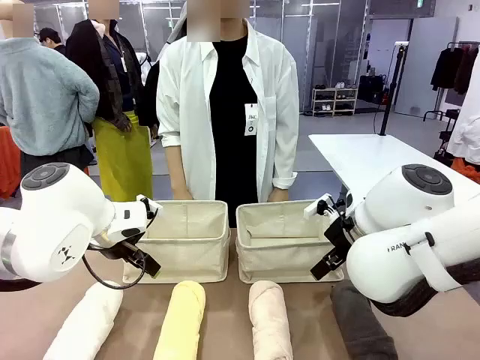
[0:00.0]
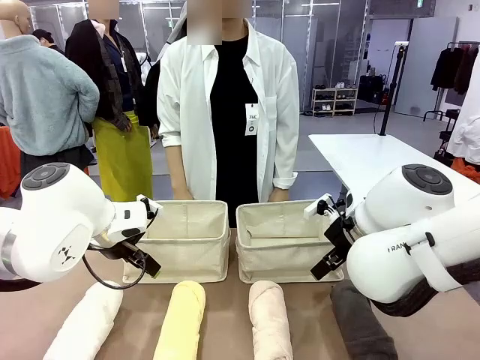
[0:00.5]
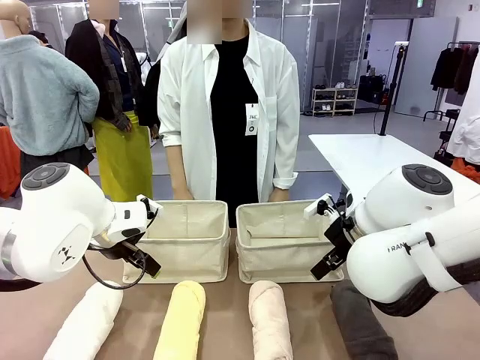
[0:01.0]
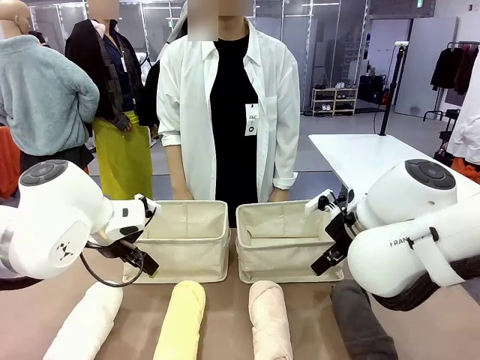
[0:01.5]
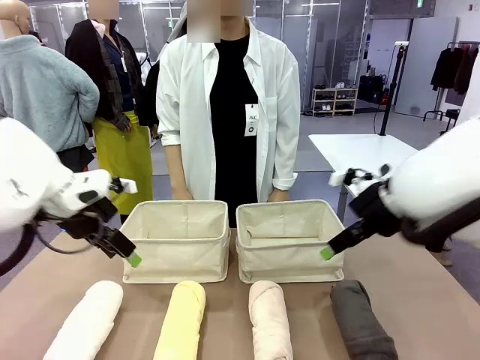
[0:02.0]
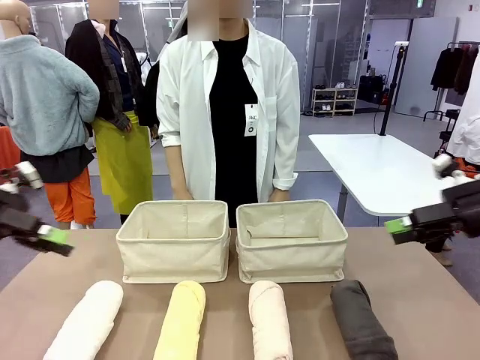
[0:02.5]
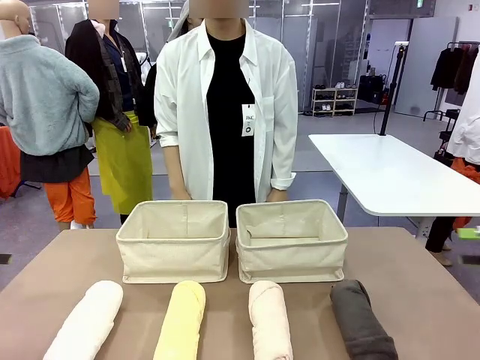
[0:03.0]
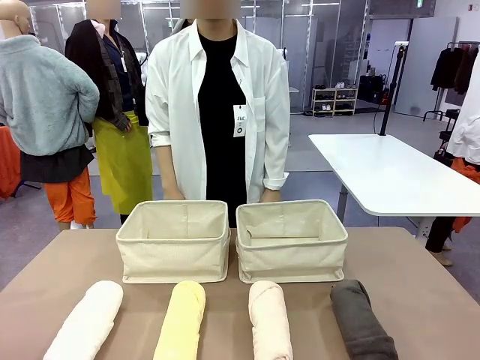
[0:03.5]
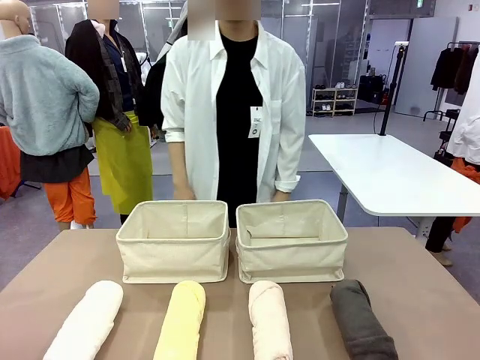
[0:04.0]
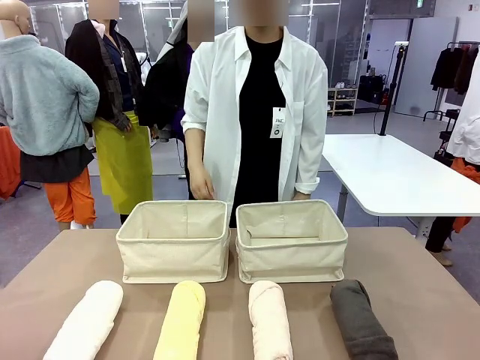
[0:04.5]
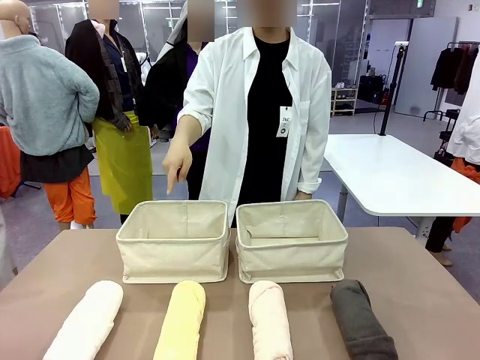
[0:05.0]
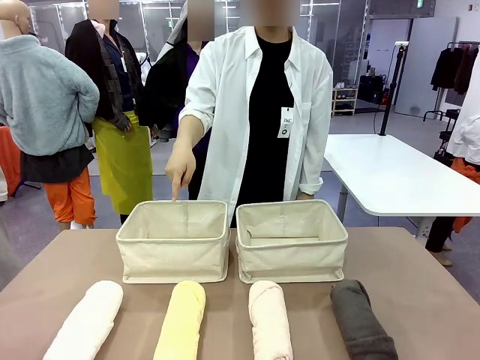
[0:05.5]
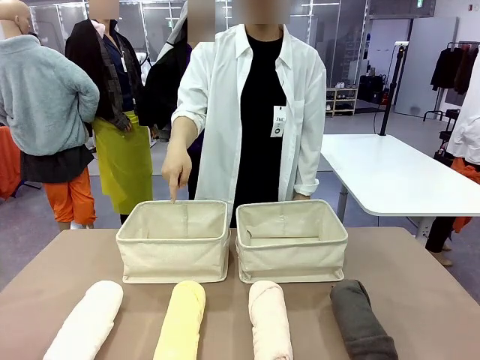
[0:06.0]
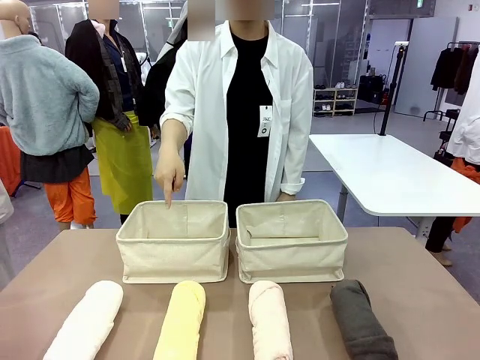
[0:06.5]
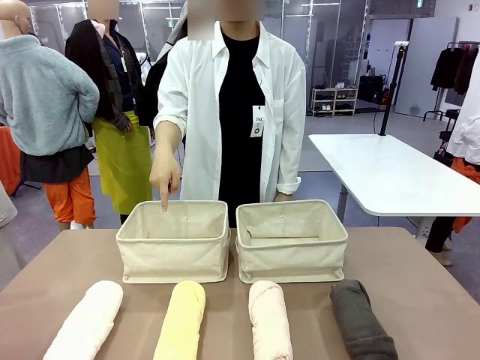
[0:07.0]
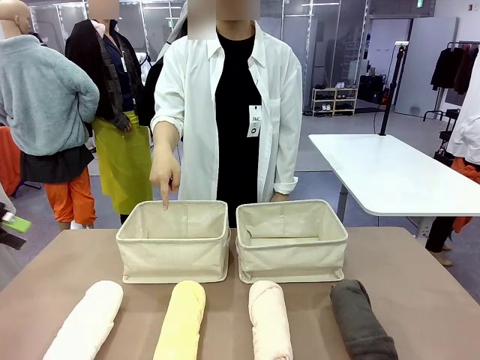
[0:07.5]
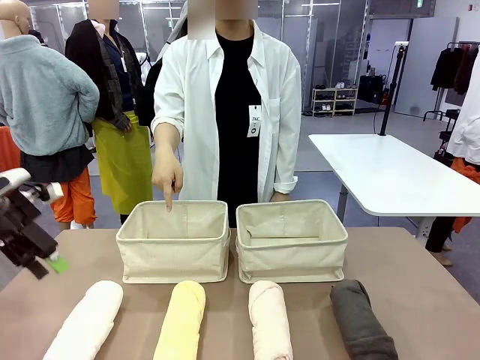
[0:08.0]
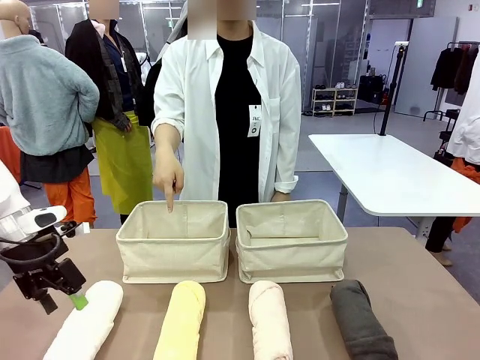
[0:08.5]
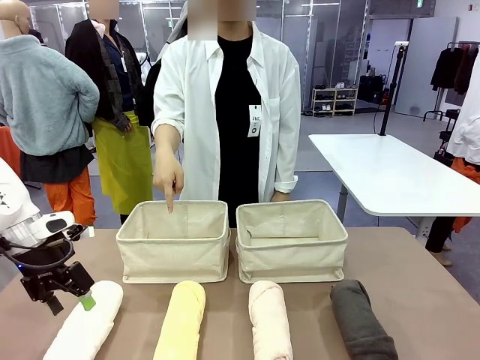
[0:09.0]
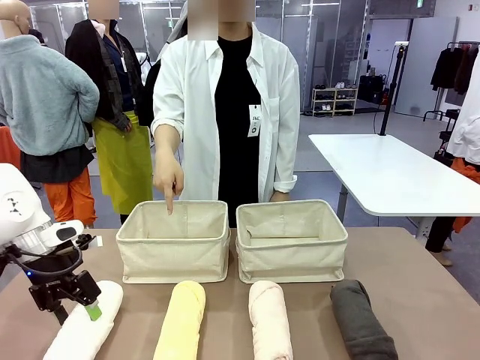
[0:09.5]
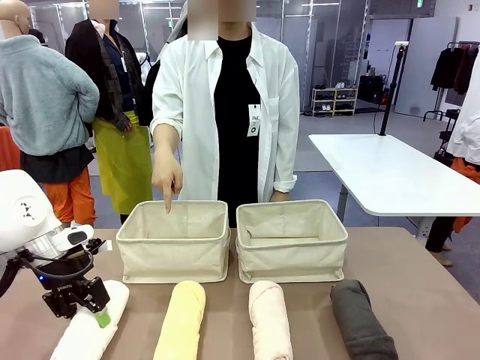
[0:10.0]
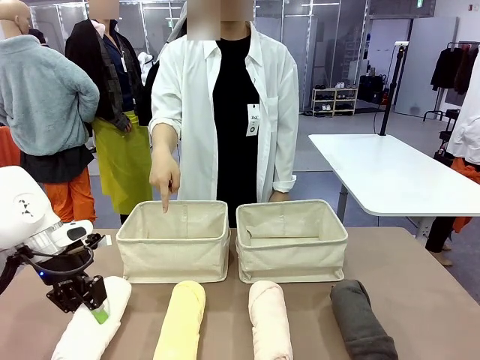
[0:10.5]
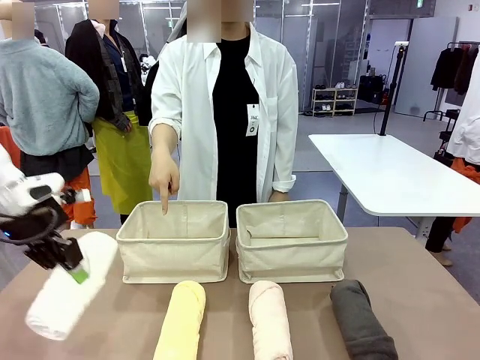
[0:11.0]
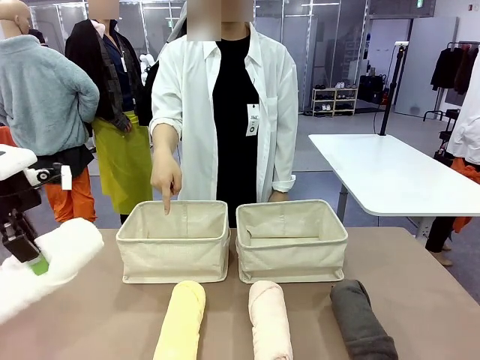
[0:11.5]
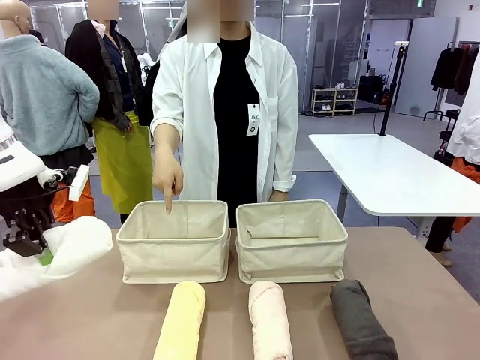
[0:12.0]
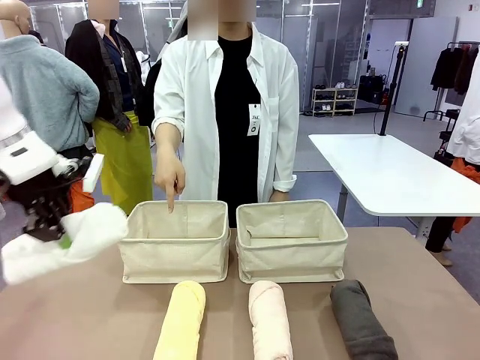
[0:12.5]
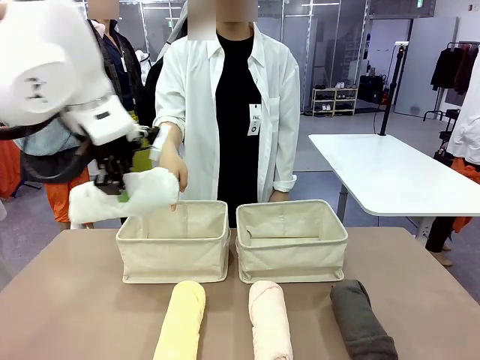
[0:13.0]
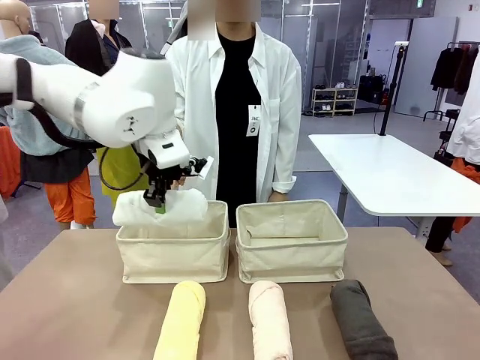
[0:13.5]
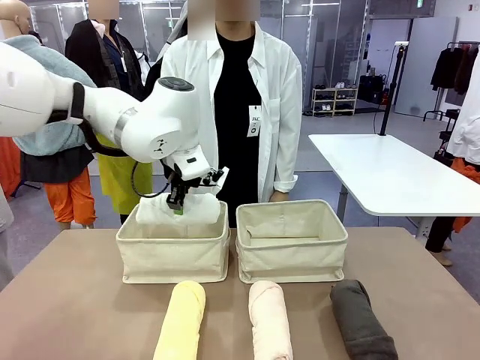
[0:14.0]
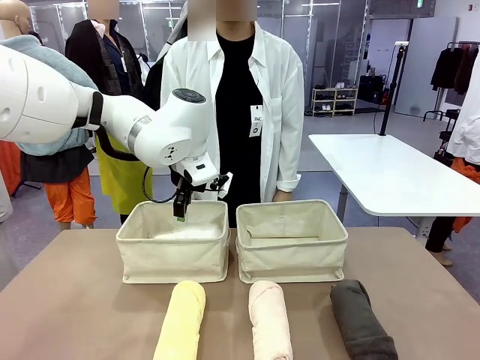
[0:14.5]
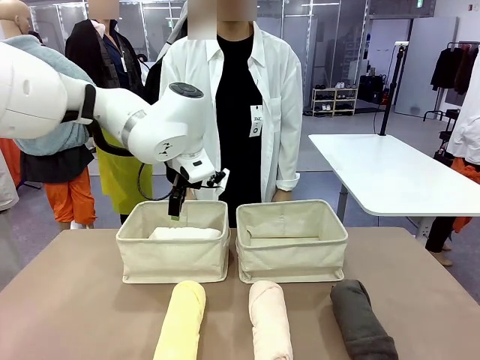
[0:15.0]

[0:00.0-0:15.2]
Task: Divide the towels into two baskets.
Robot: Pick up one hotel-folded towel and place it in the Fabric basket indicated by the person.

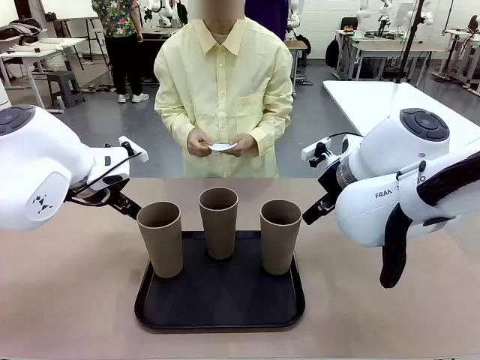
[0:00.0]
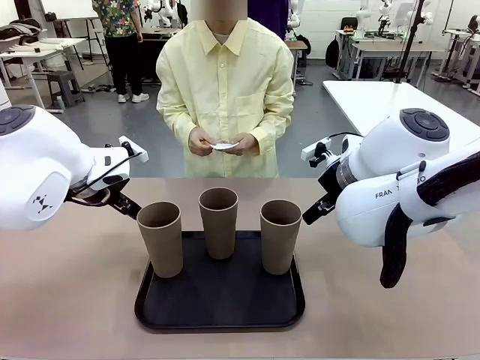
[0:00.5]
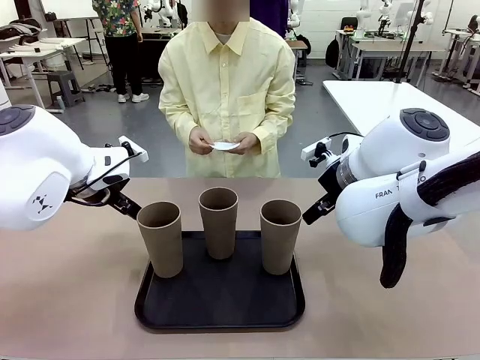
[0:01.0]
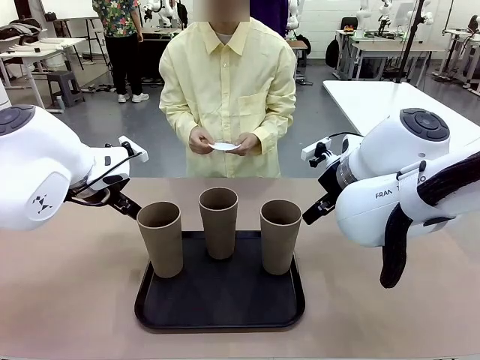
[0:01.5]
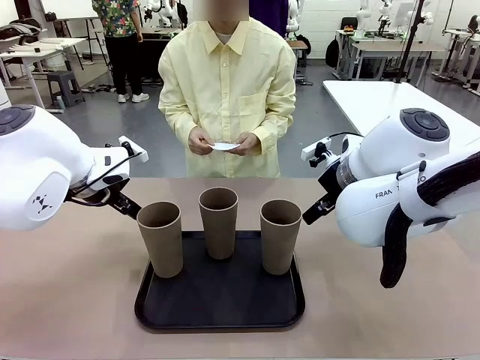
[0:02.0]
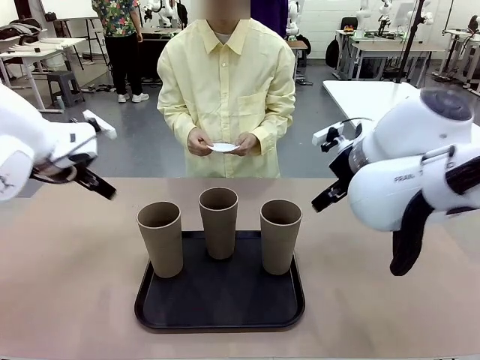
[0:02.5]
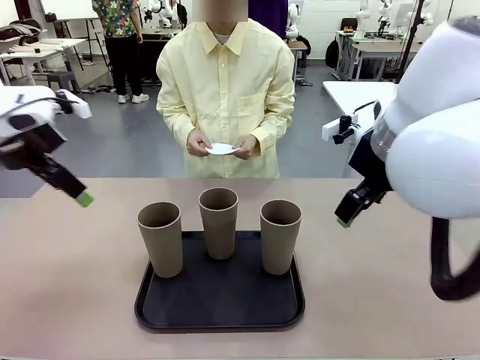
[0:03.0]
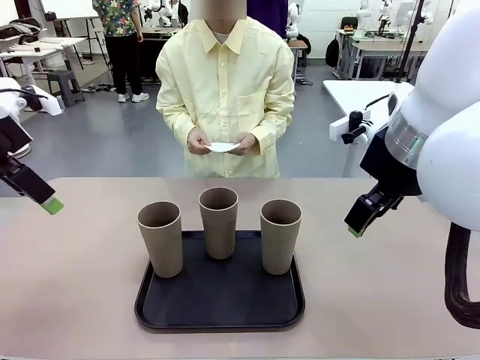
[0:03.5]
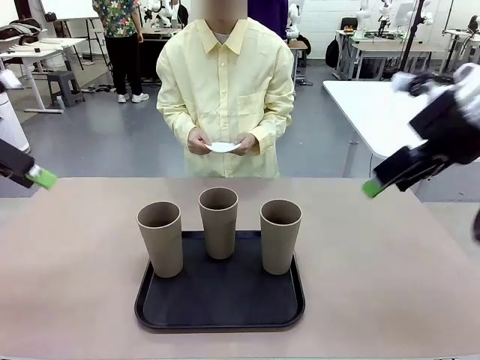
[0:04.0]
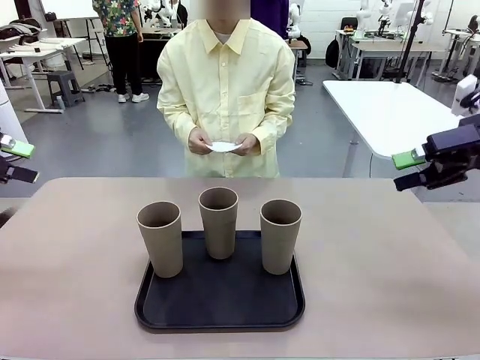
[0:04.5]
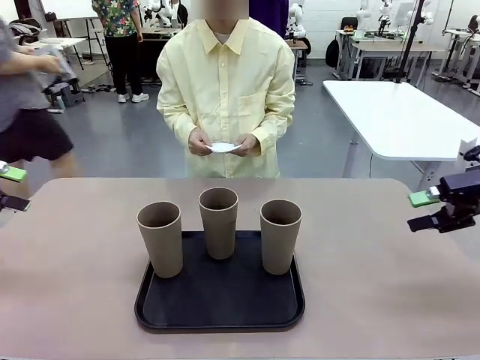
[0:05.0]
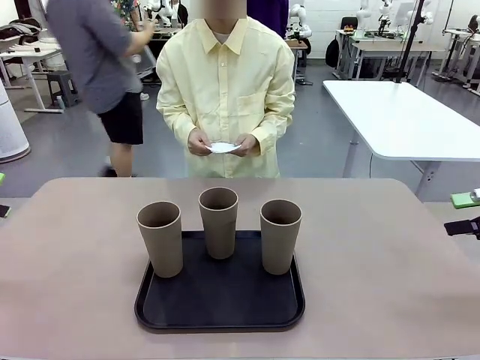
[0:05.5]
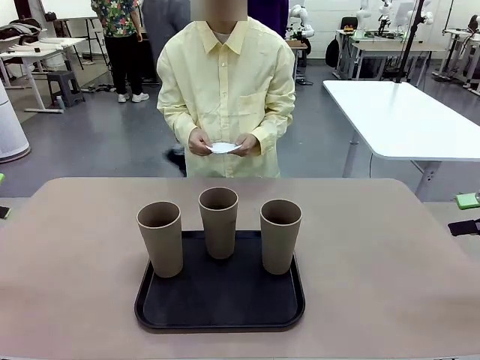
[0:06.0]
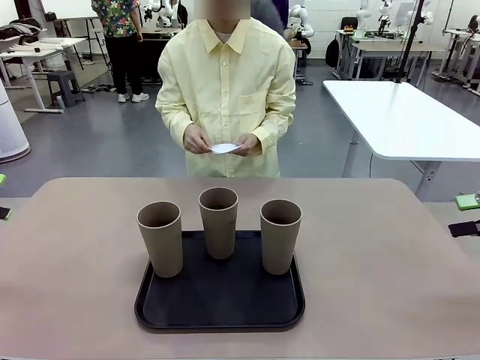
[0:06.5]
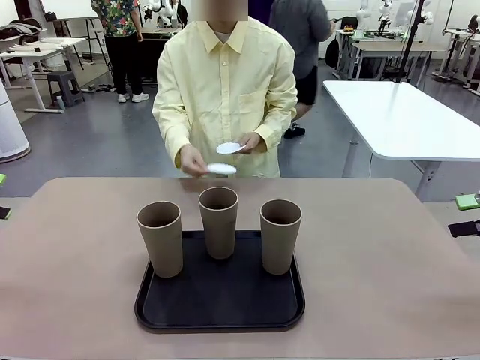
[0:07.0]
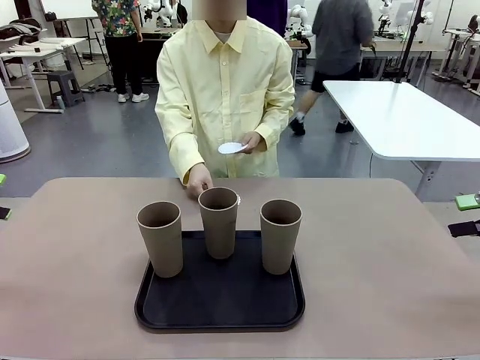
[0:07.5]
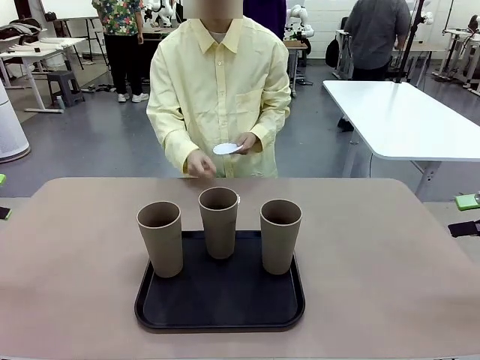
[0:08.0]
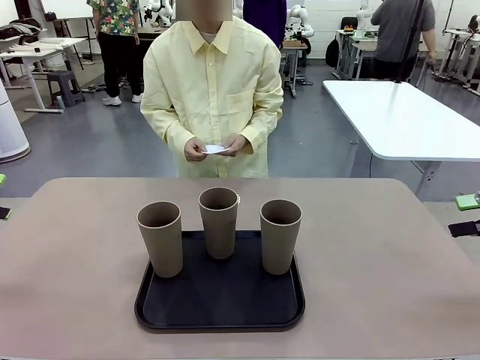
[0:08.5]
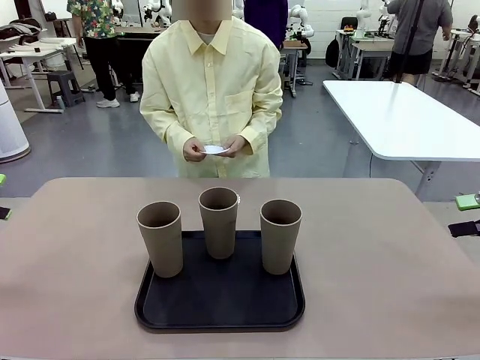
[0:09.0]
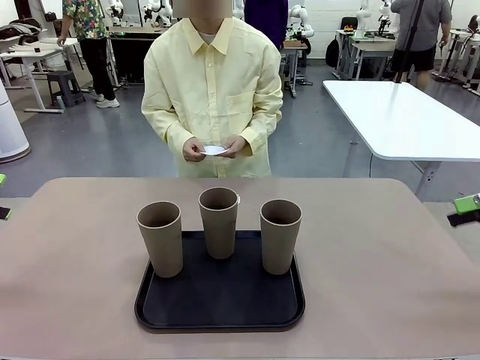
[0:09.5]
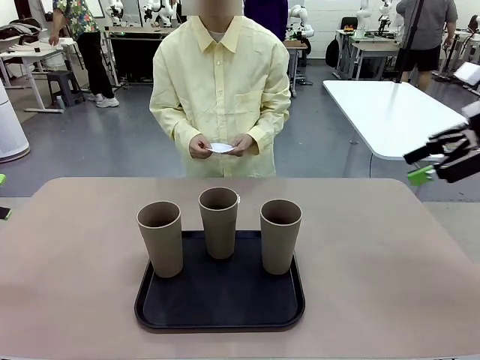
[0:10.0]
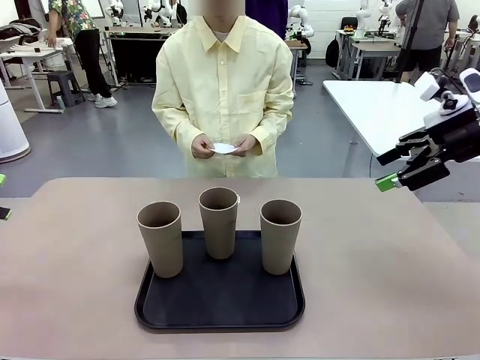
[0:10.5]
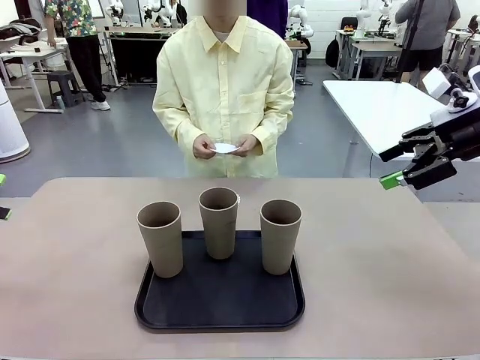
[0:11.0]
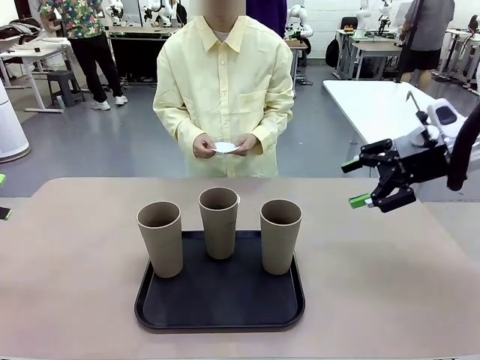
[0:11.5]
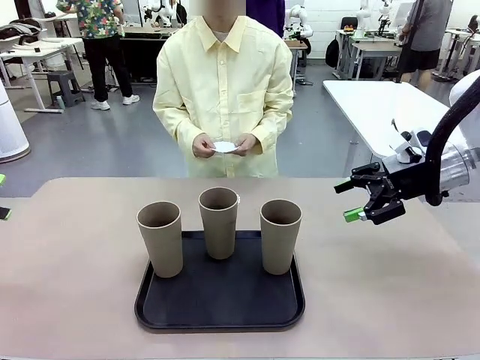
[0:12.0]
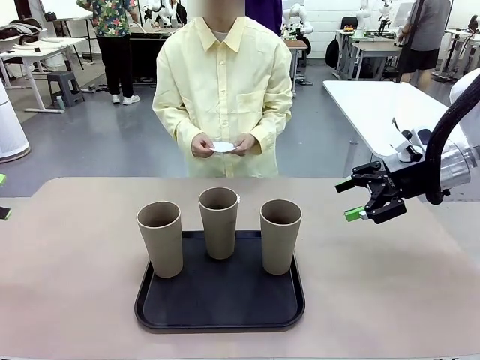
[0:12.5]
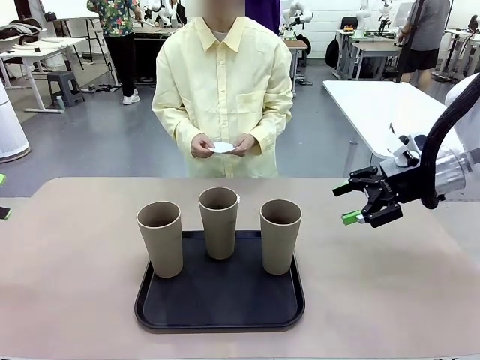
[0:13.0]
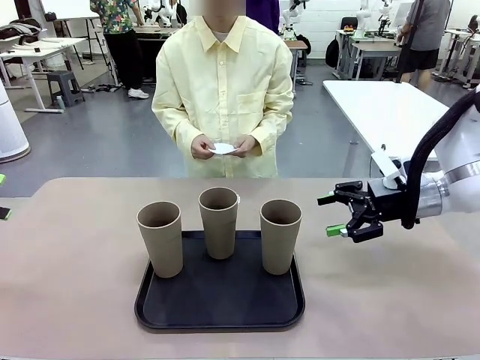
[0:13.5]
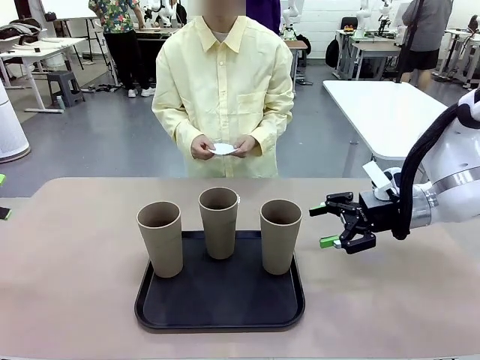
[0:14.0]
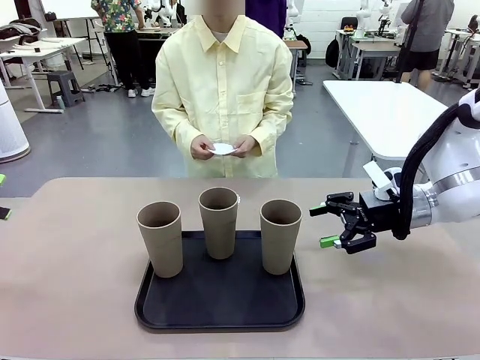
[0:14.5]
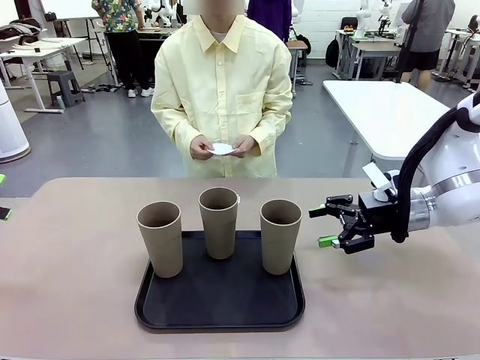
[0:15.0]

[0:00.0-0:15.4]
Task: Place coasters on the table and set cups on them.
Robot: Pick up one Reusable plastic cup and place it on a coaster set by the human.
Person: Place one coaster in any one of the three lower areas of the robot table (left, center, or right).
